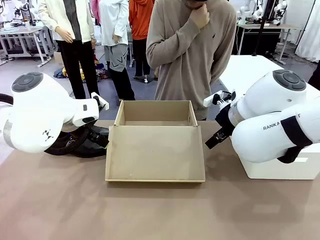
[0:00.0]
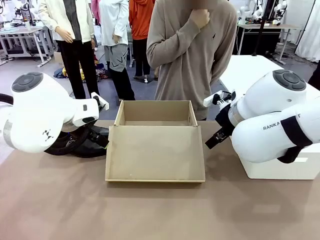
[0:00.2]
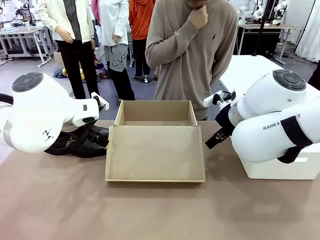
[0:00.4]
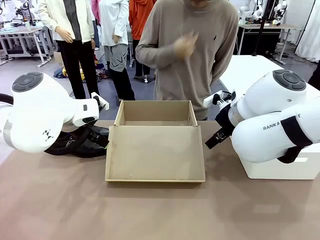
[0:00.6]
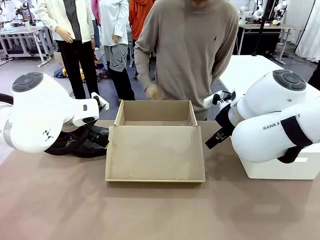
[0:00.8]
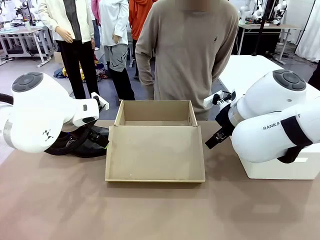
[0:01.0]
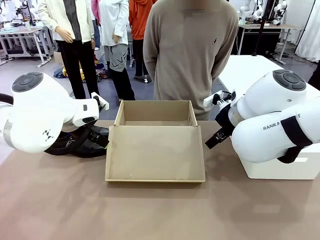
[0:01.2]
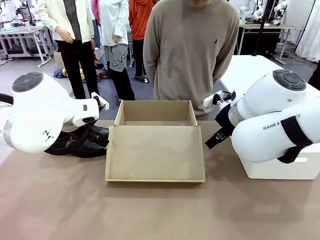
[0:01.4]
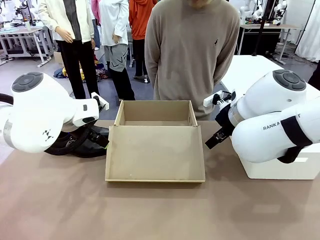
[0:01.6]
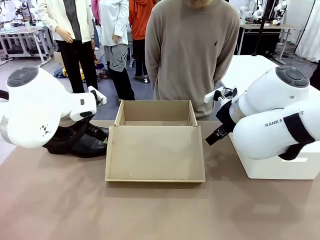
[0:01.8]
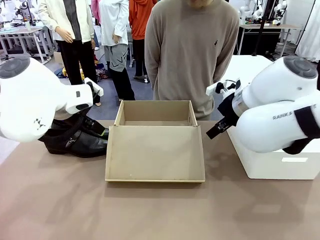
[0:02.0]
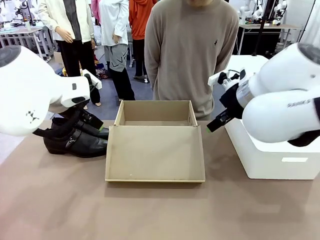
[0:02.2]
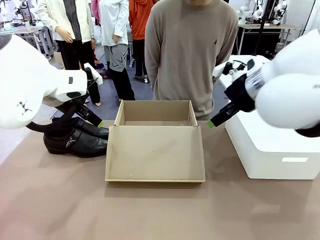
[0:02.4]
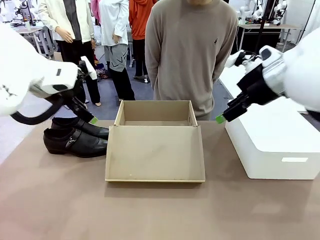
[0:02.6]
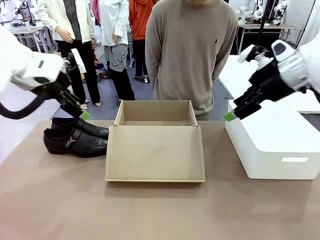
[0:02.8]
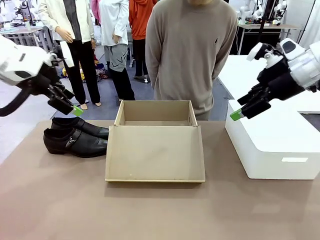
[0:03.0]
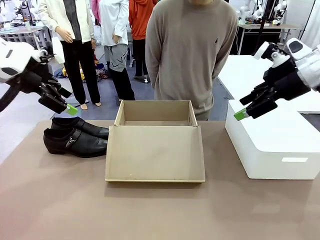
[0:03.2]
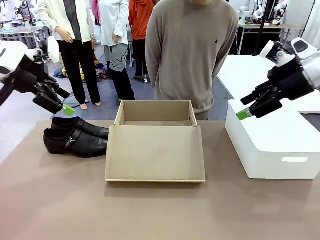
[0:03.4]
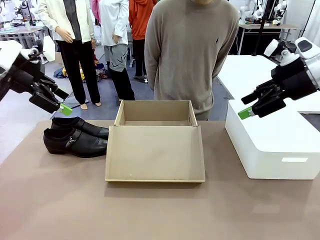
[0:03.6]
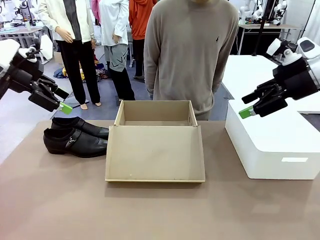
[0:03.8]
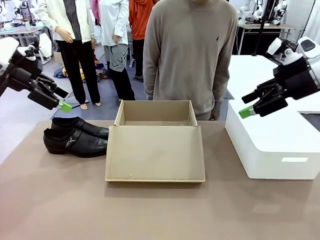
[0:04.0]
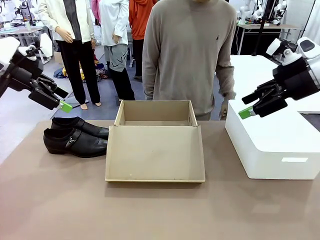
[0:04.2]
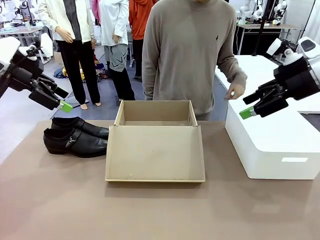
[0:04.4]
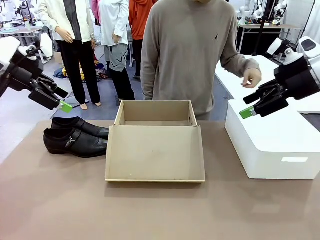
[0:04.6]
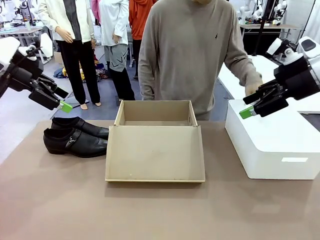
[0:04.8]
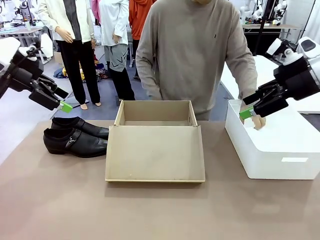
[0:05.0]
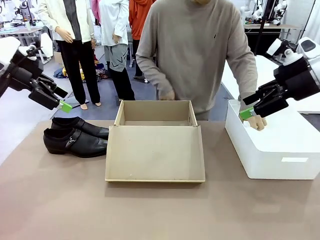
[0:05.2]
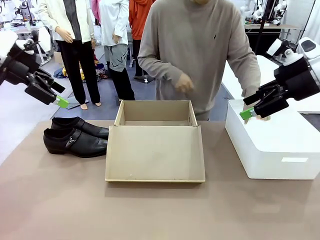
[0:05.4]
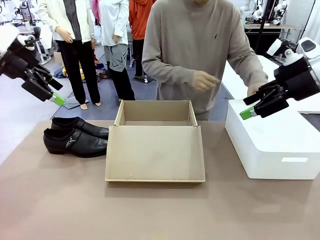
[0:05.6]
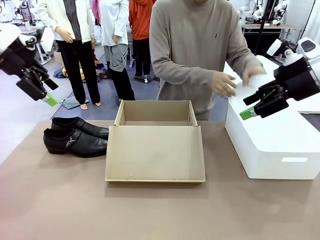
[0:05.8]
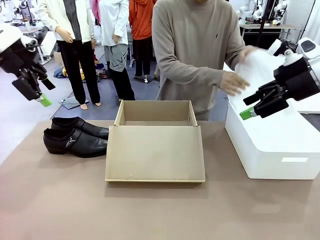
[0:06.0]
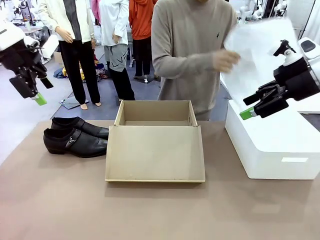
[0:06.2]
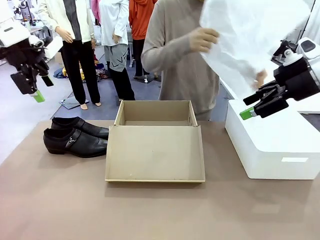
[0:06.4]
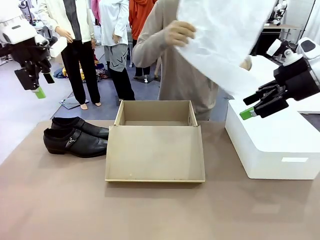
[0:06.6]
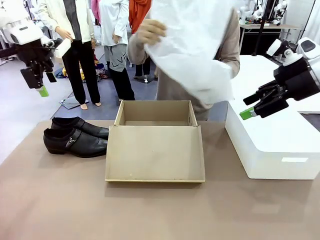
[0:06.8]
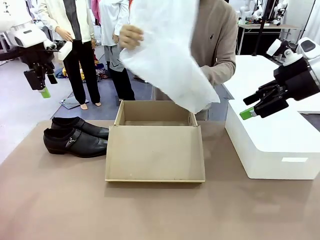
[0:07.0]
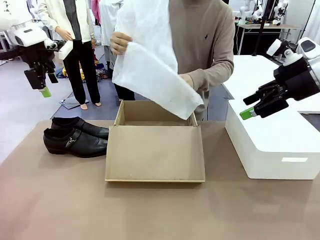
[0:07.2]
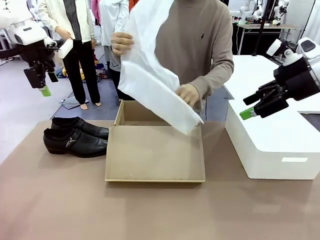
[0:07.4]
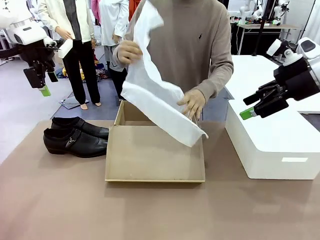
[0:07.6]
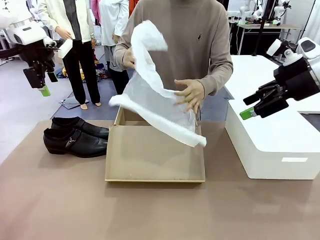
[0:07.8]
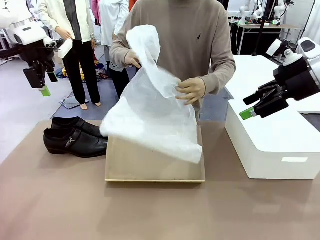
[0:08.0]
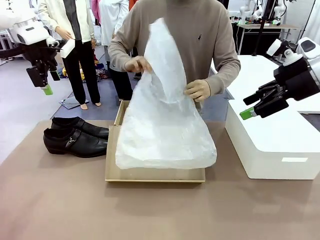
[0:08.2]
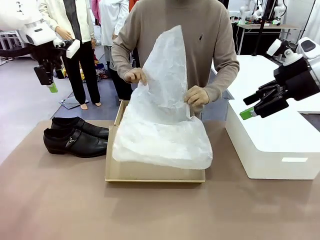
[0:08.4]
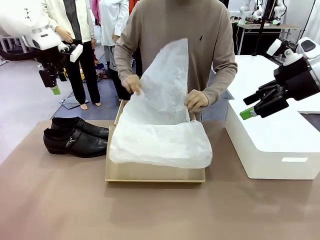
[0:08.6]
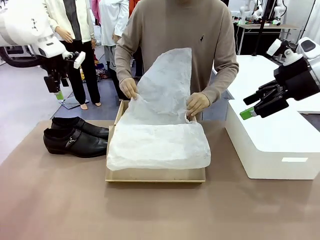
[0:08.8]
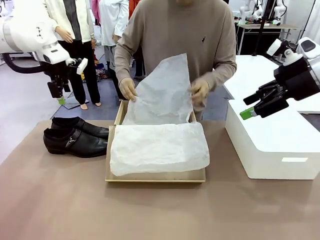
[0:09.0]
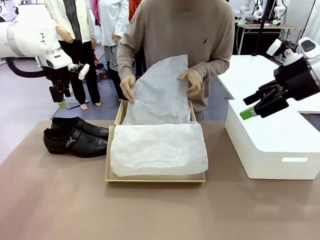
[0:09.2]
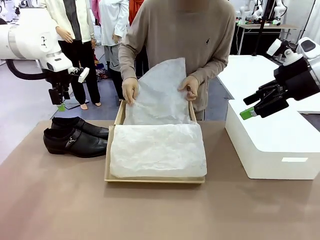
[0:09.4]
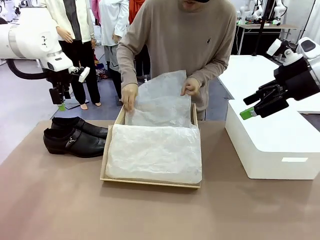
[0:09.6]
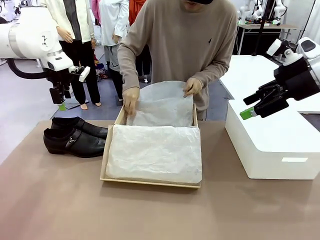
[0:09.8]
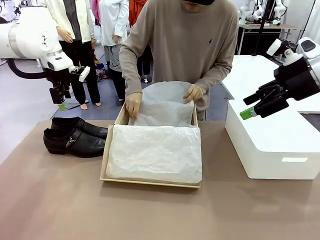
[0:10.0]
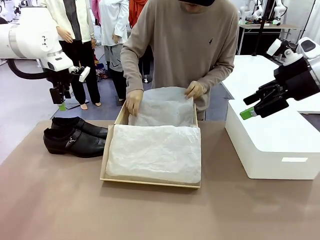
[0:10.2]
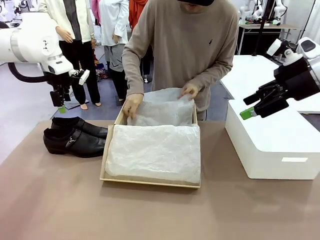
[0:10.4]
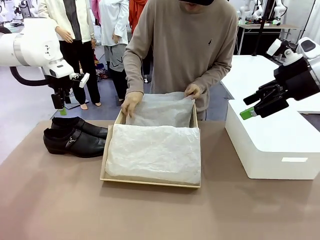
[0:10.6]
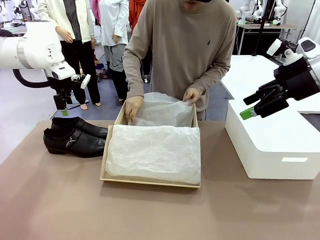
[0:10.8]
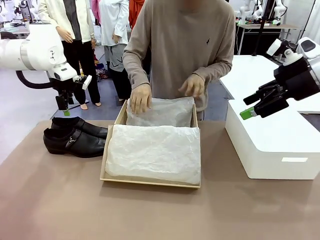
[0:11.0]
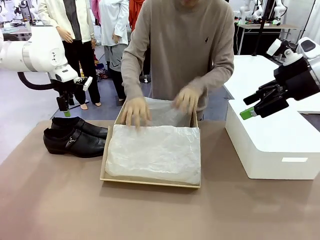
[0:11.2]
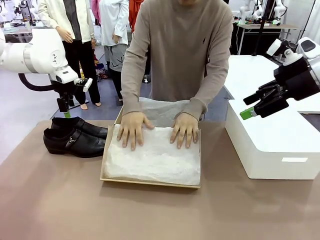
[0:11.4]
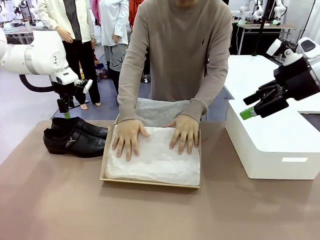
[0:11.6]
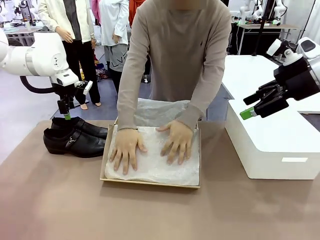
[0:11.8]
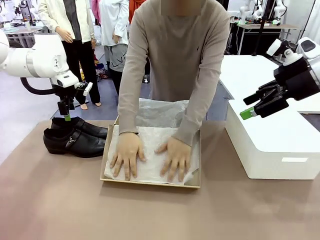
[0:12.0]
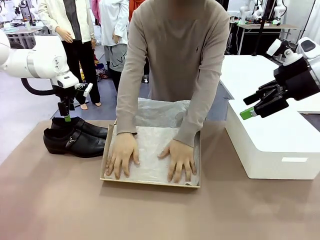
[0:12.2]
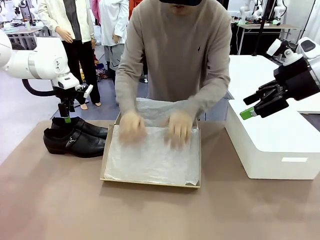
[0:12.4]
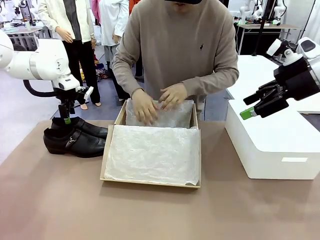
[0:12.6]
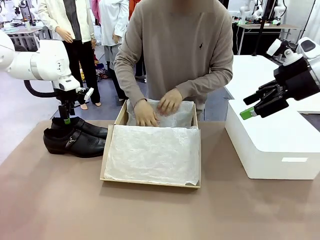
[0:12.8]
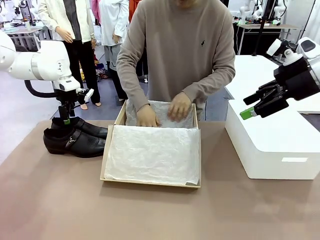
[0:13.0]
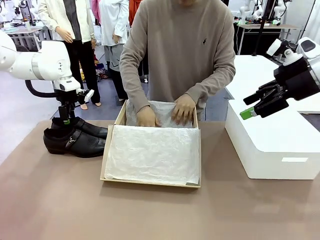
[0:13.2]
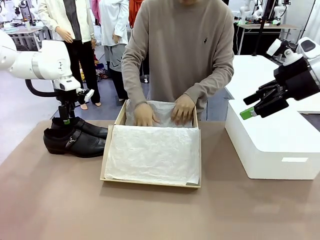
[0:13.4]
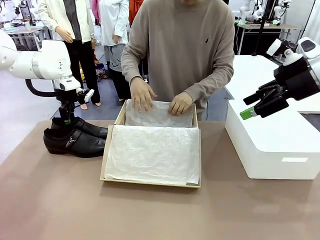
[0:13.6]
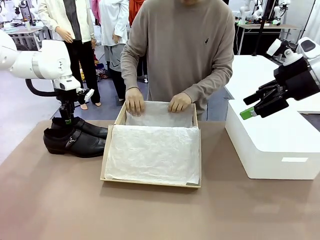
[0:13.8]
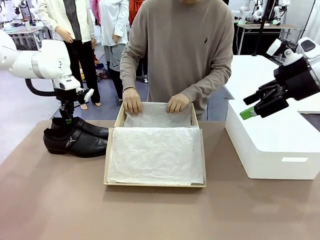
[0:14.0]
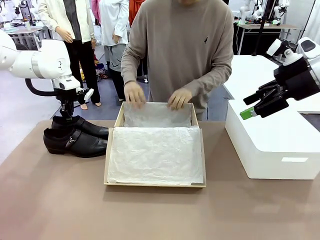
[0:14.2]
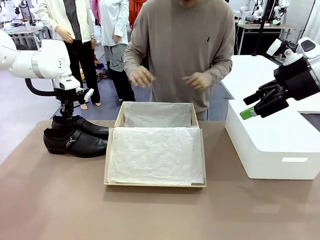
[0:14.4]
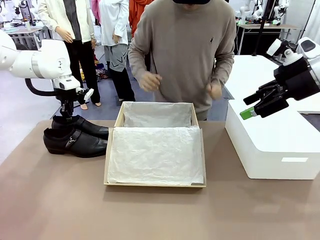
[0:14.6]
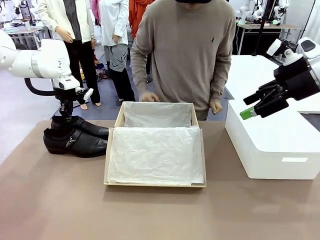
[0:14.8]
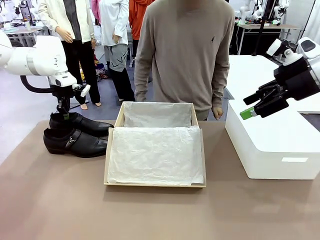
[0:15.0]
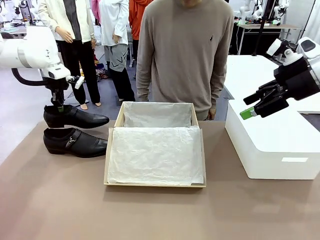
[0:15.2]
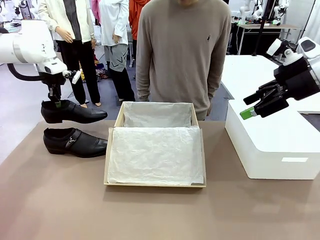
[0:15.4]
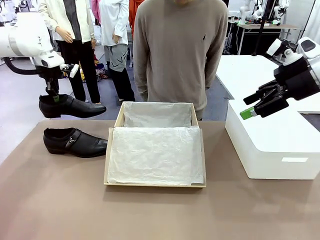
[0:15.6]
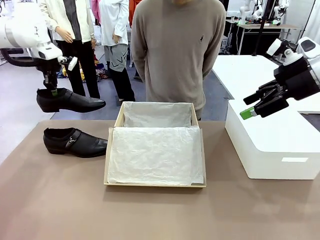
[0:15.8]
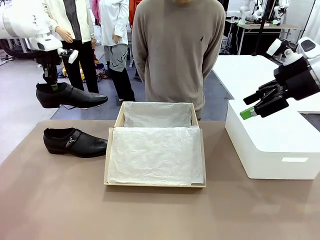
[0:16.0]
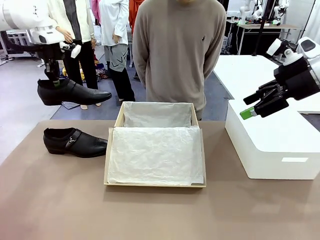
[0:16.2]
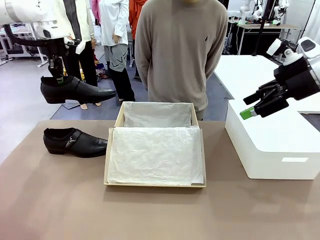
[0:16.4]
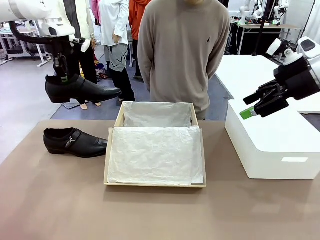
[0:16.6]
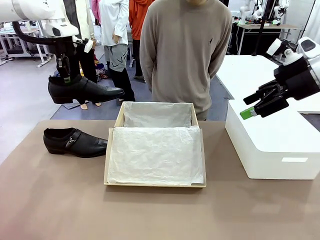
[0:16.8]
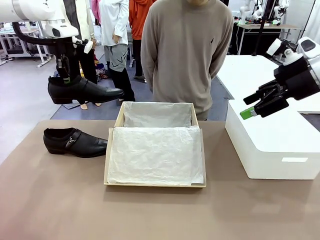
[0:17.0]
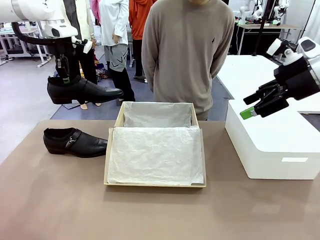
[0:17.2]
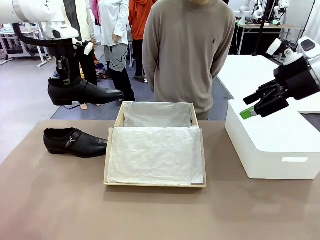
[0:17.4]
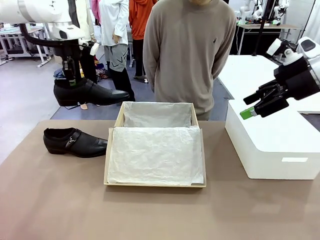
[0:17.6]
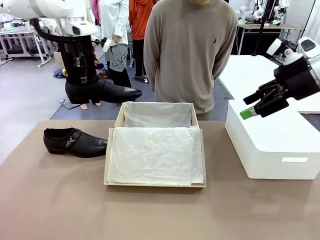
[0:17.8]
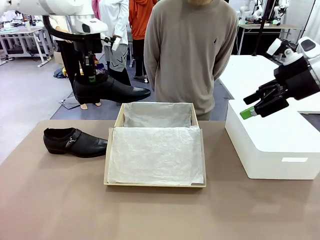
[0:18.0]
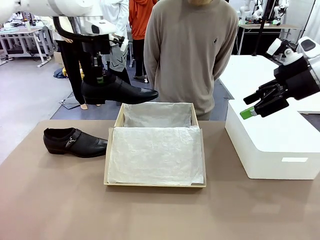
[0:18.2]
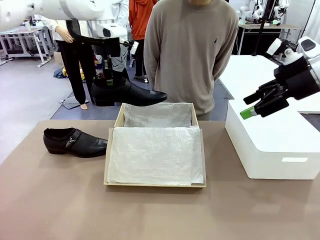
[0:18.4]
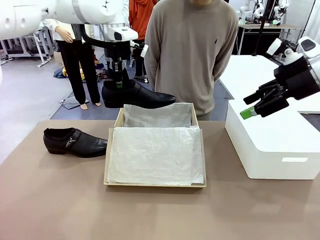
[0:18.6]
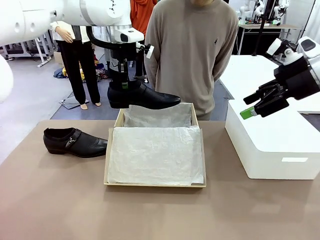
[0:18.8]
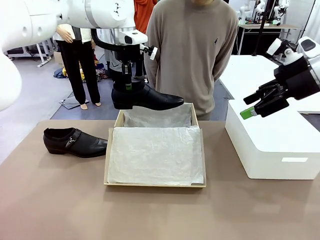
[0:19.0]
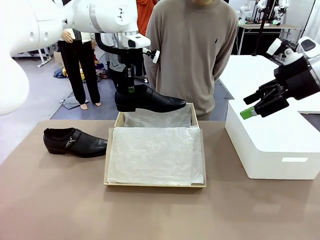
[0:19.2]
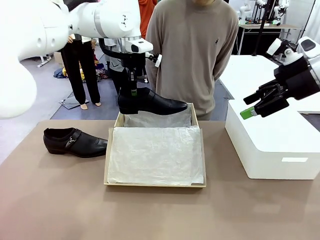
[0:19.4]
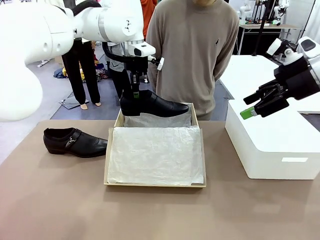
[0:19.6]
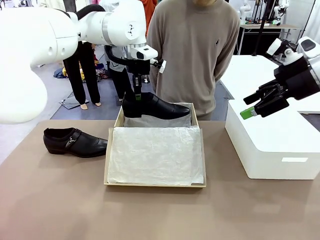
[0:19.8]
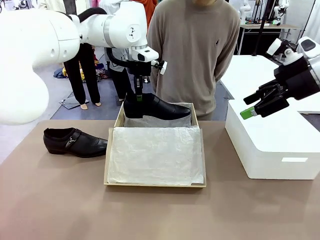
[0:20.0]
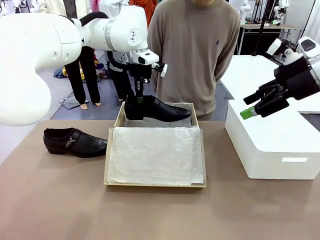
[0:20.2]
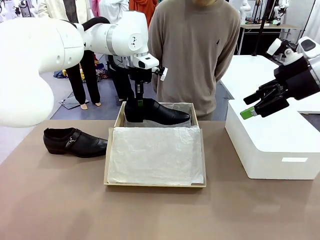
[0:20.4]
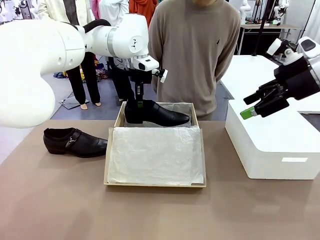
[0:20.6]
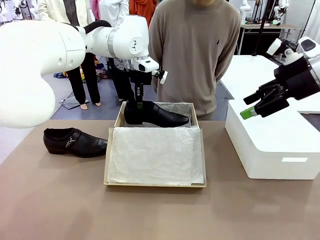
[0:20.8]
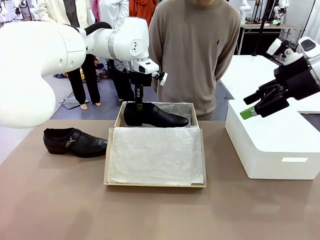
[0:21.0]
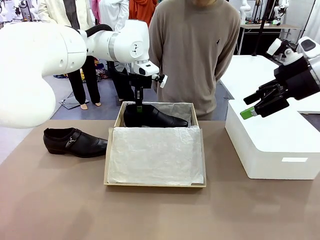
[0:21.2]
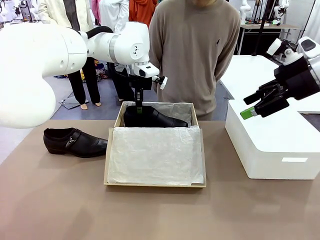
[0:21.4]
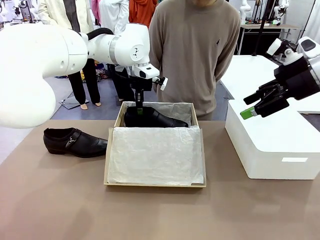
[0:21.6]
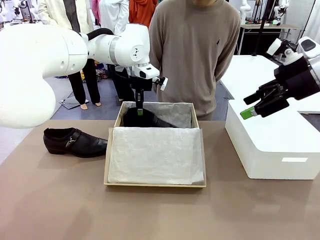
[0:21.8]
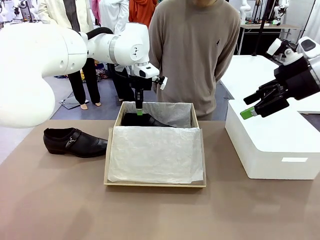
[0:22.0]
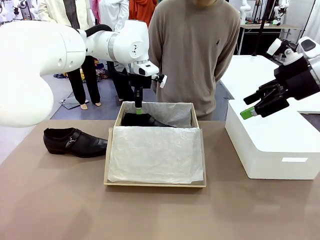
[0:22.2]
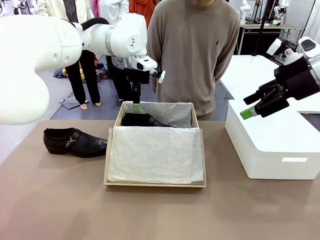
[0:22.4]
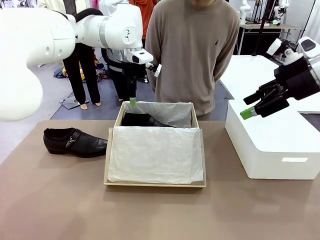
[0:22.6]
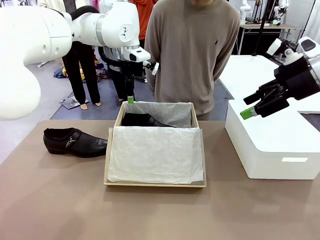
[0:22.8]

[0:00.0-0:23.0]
Task: Pack the shoes into the box.
Robot: Place one shoe of the Shoes into the Shoes Box.
Person: Spread Shoes Wrapping Paper and place inside the Shoes Box.
